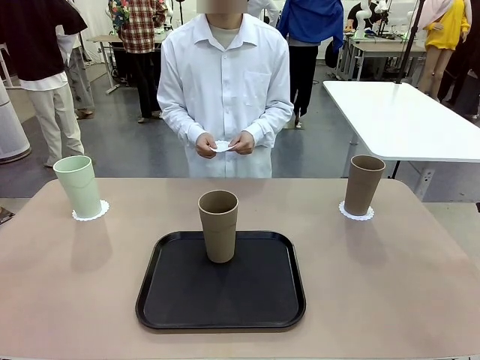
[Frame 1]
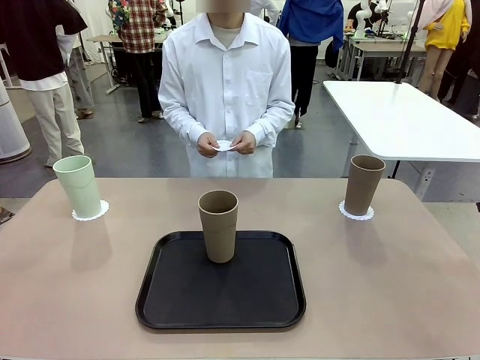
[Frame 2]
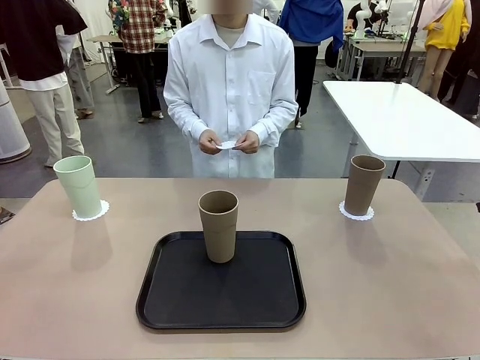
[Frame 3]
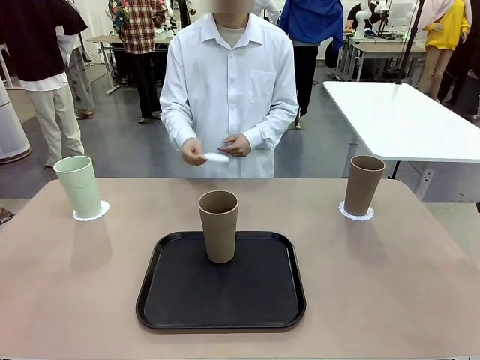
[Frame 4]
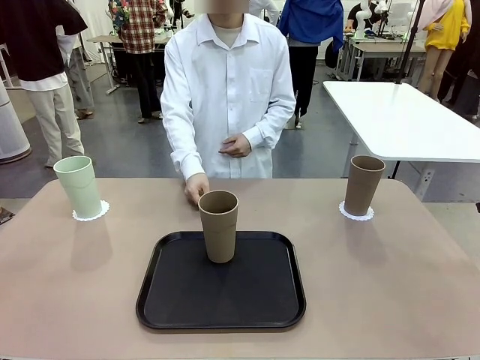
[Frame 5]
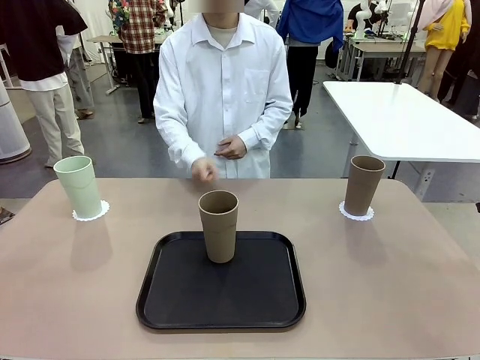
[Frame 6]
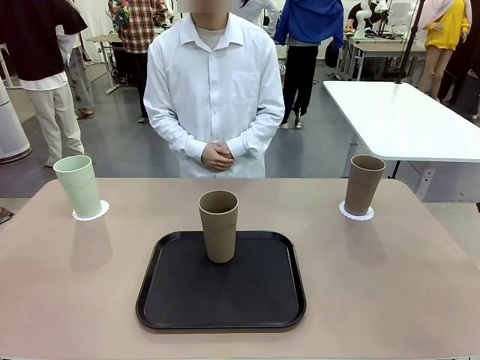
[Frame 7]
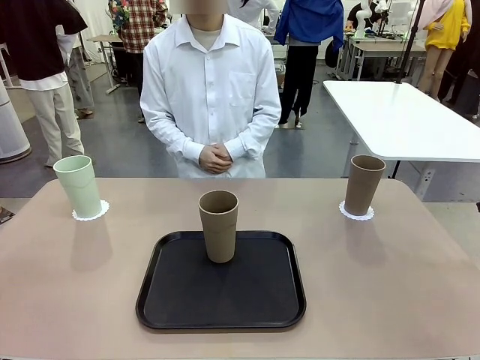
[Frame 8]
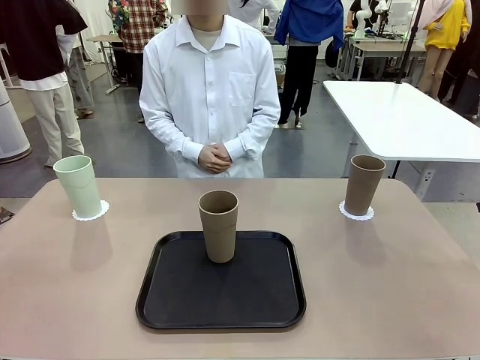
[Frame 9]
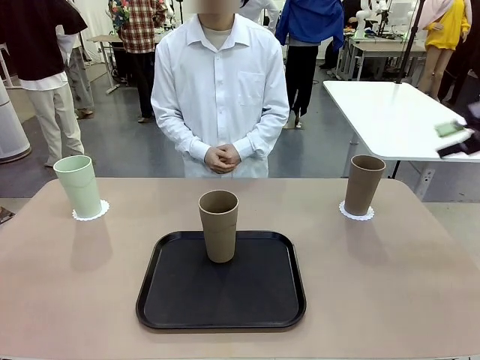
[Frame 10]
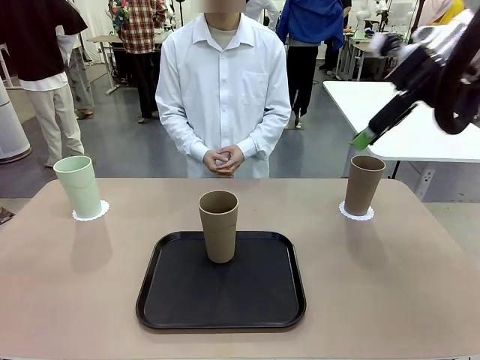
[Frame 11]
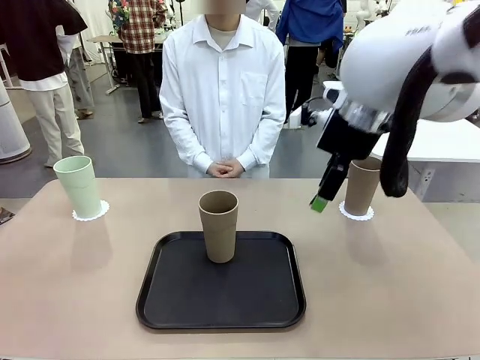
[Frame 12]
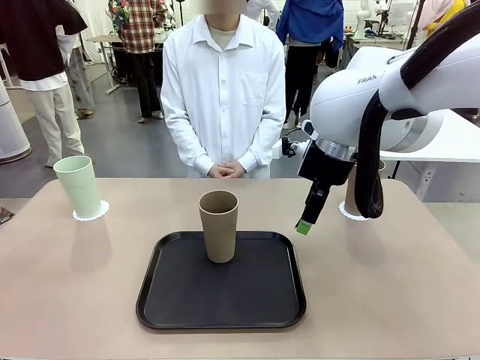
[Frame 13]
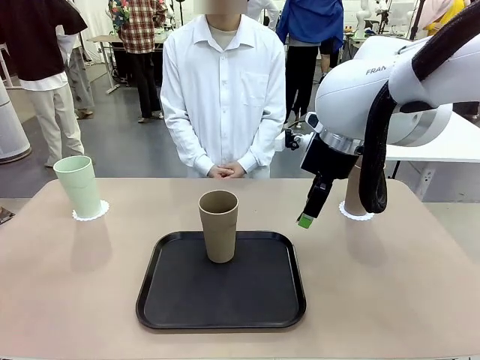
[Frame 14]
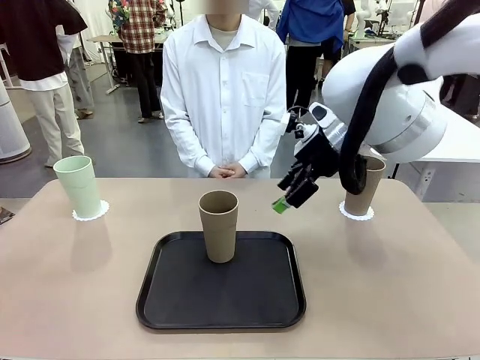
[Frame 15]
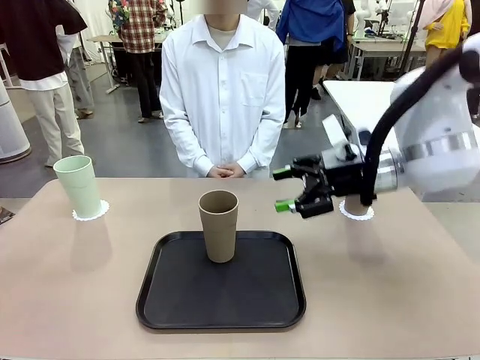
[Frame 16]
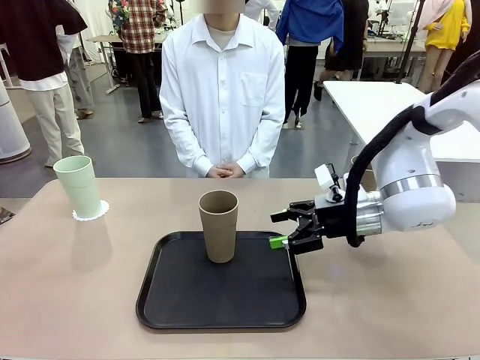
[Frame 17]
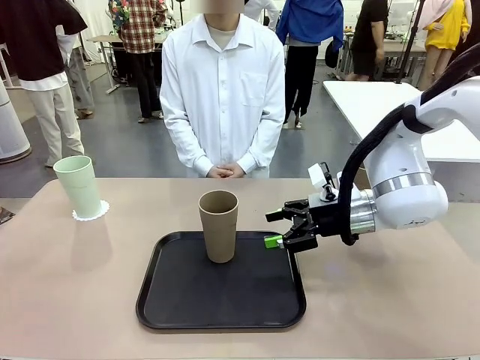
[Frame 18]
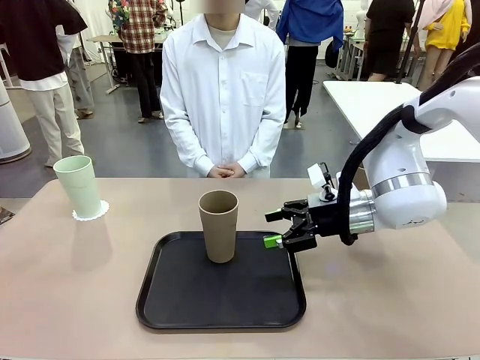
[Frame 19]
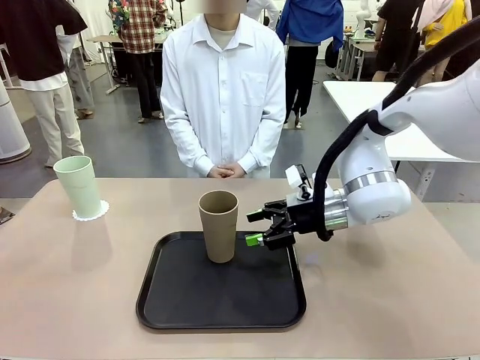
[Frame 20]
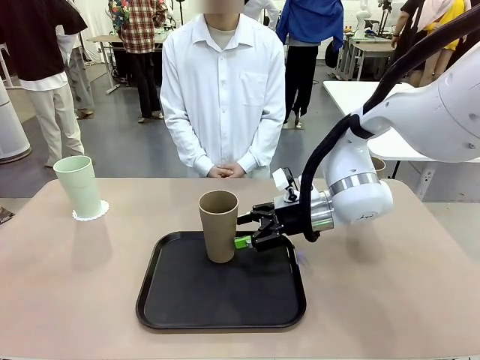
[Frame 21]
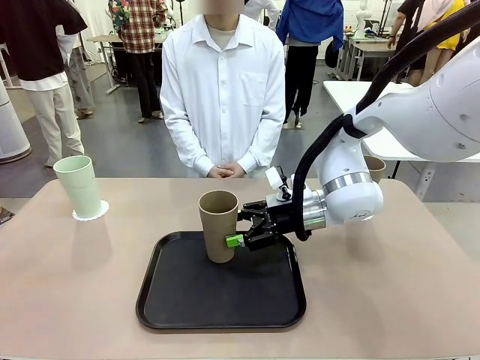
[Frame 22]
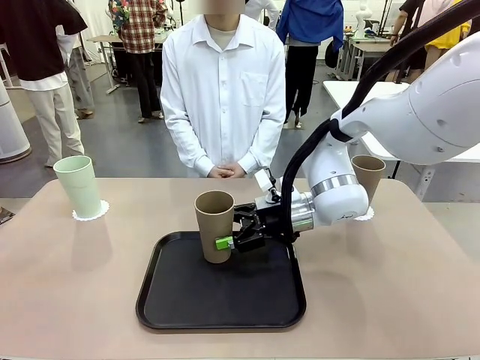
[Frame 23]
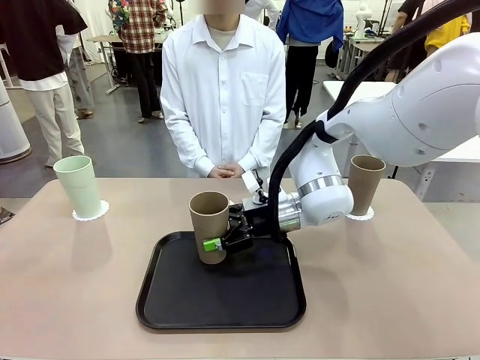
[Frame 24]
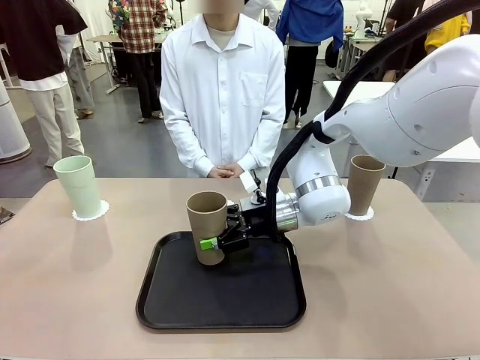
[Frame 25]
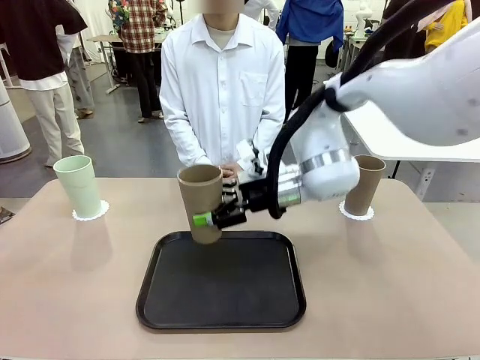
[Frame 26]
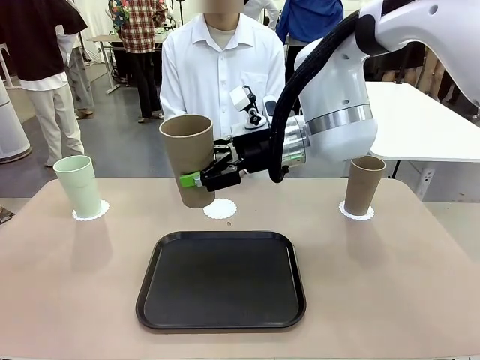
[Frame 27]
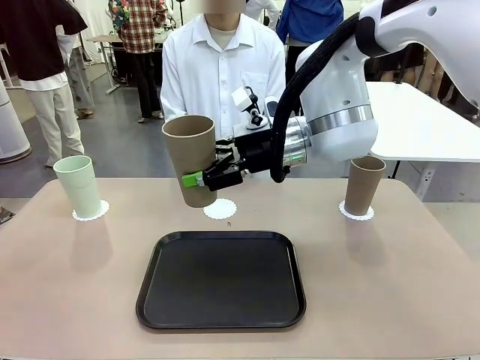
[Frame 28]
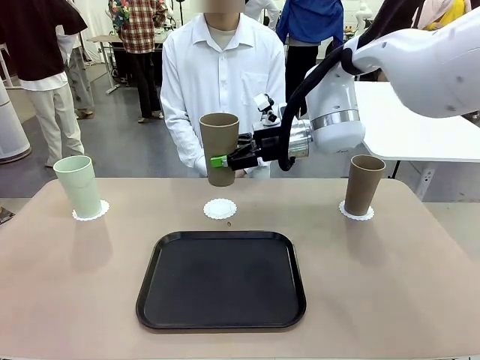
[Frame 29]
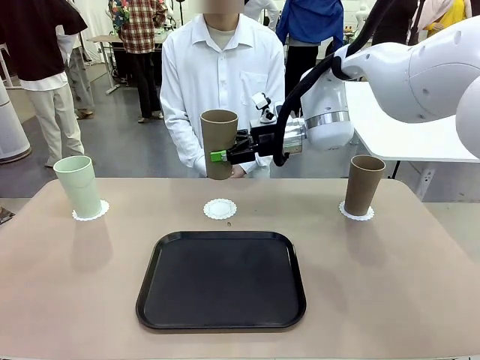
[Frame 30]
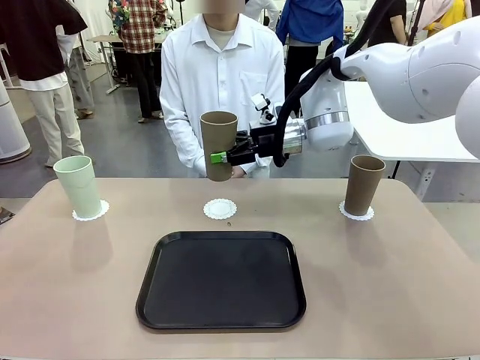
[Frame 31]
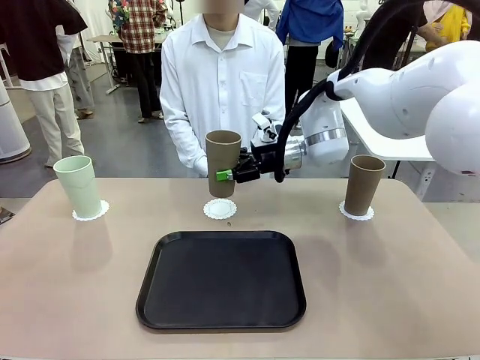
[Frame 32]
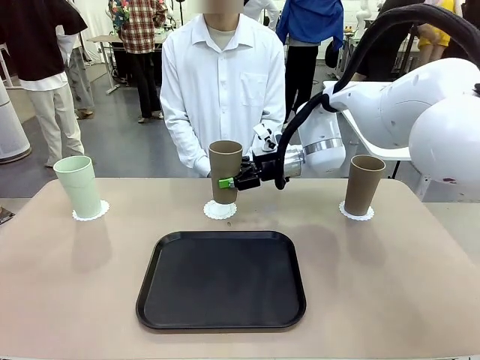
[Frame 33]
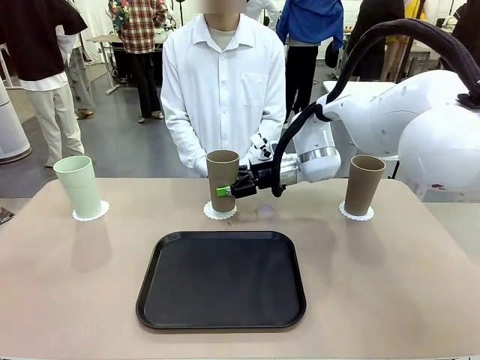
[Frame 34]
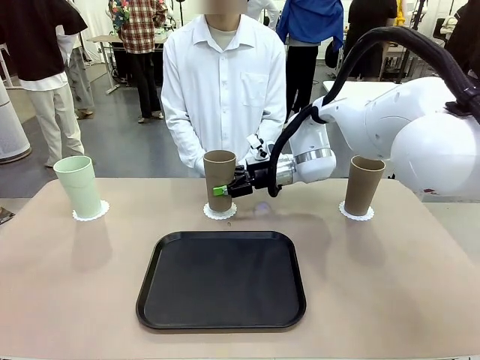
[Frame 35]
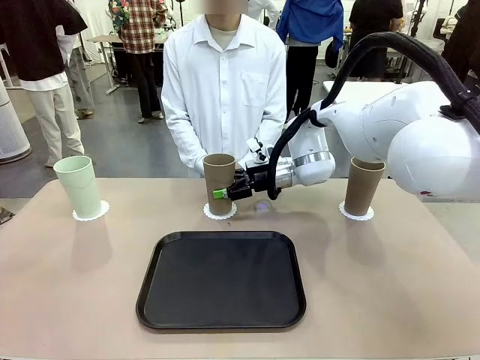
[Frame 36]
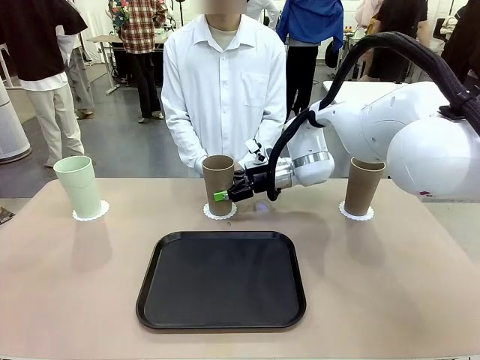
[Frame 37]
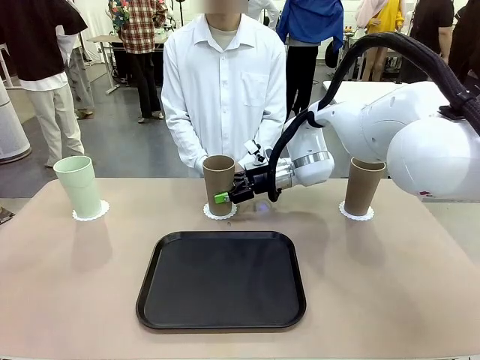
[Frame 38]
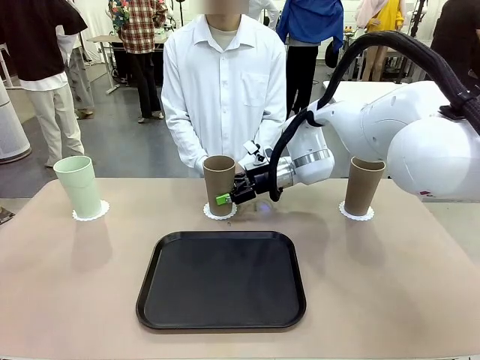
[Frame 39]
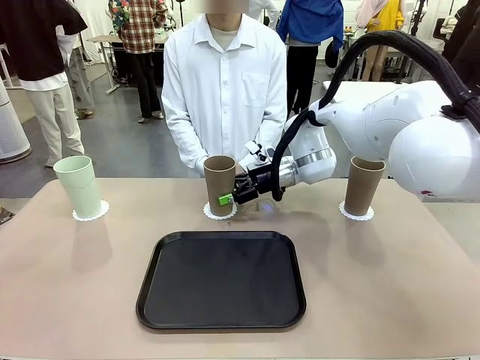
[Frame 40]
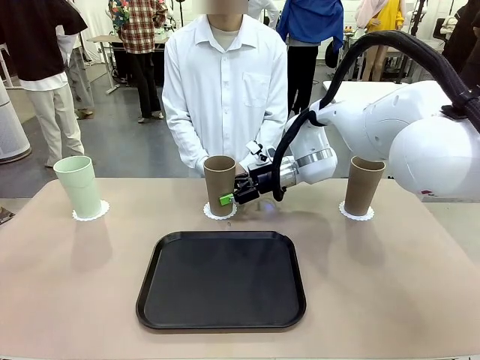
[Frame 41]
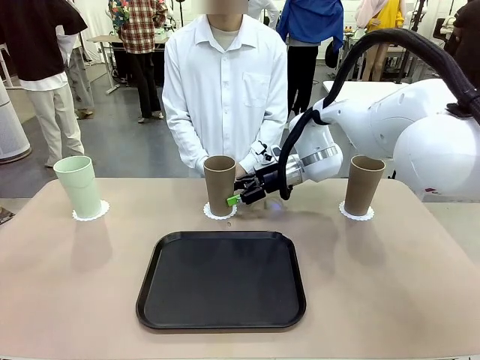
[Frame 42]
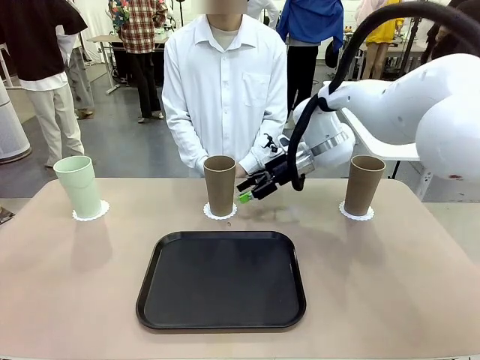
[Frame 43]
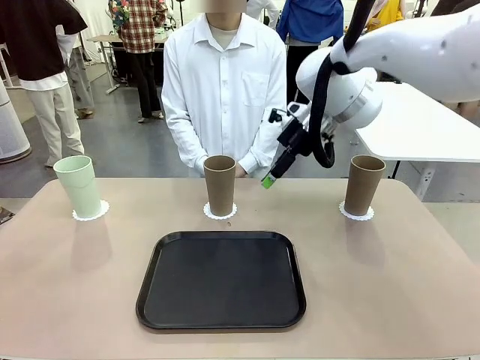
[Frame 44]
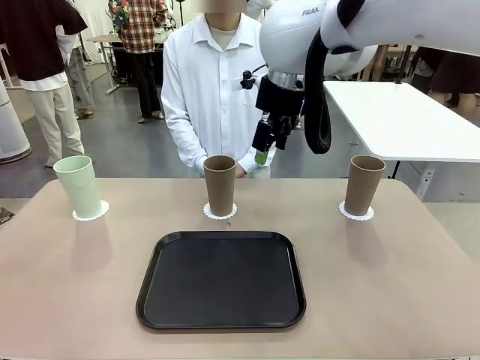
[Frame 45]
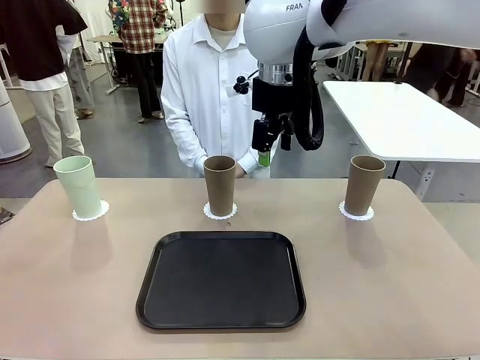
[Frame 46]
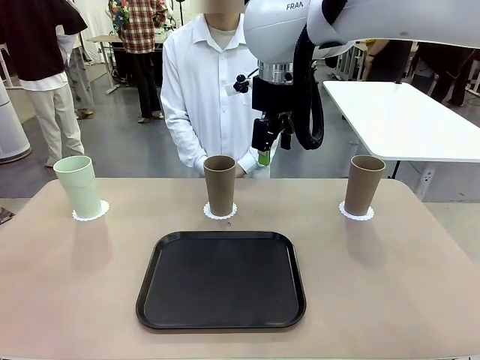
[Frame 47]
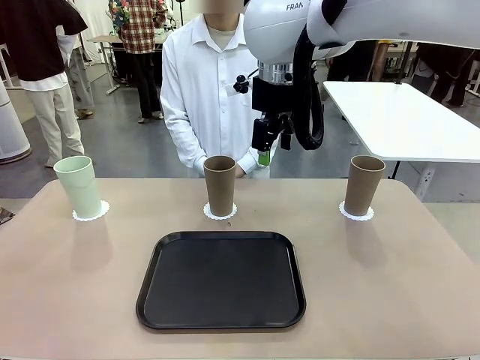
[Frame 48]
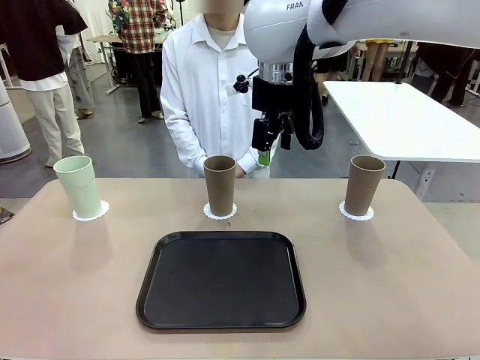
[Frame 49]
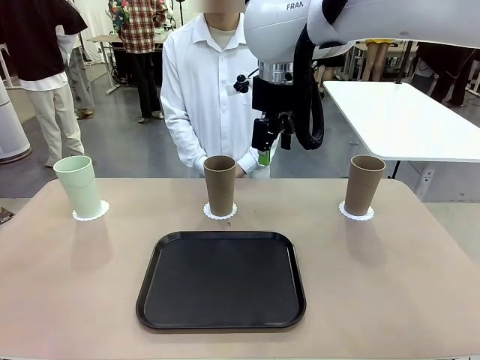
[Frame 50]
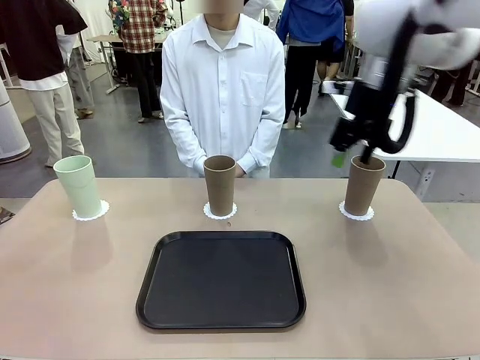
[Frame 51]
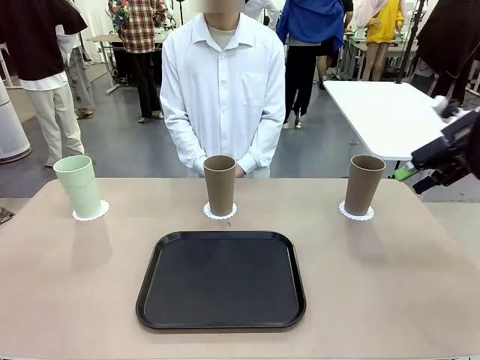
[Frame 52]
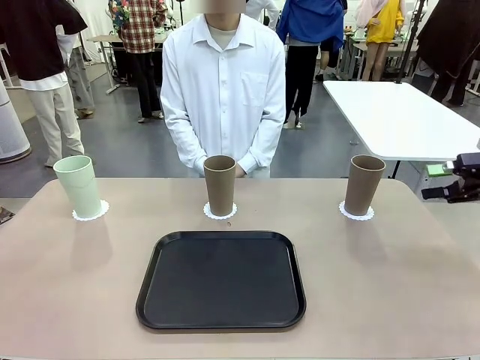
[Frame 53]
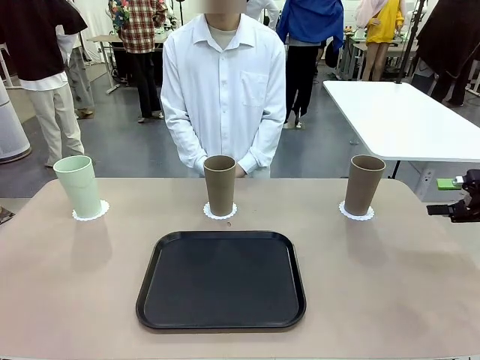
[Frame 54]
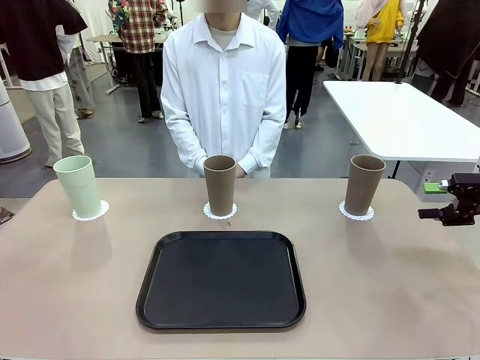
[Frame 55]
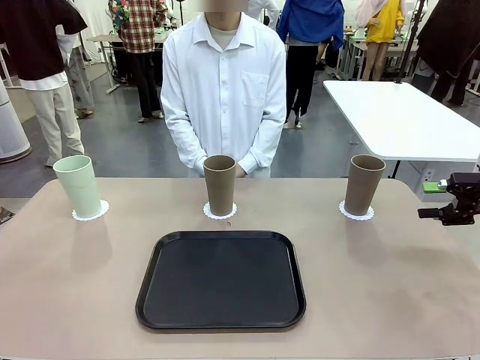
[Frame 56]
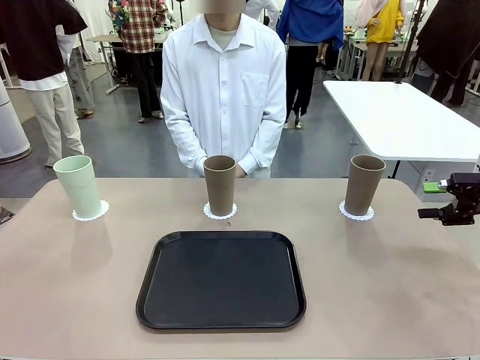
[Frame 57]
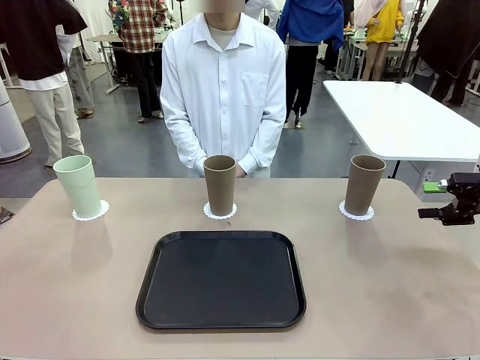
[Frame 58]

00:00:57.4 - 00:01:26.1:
Task: Place coasters on the table and set cups on them.
Robot: Take one Reusable plastic cup from the Flat Tray and place it on a coaster set by the human.
Person: Place one coaster in the only remaining area.
